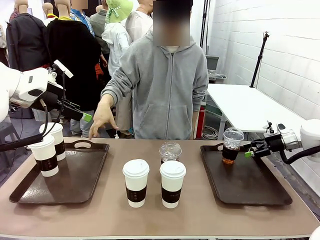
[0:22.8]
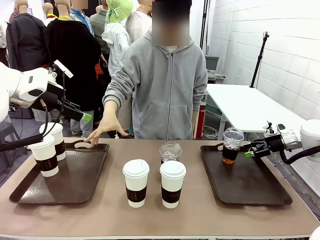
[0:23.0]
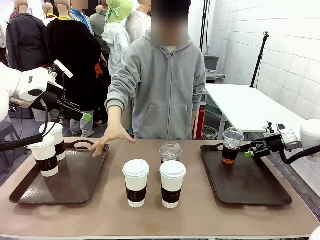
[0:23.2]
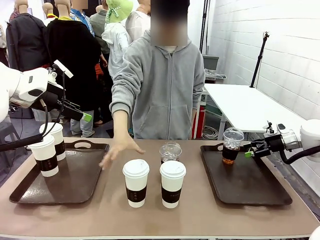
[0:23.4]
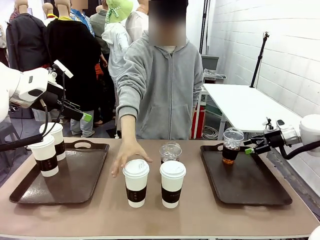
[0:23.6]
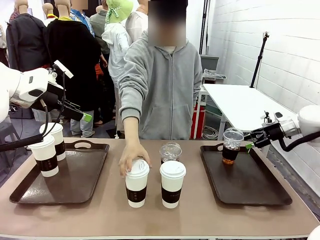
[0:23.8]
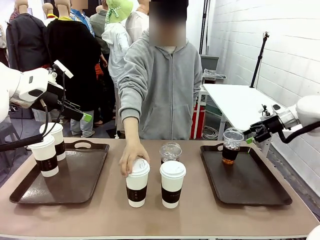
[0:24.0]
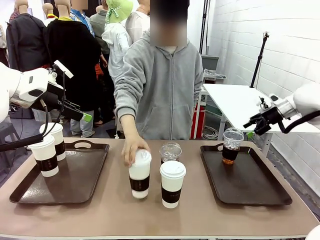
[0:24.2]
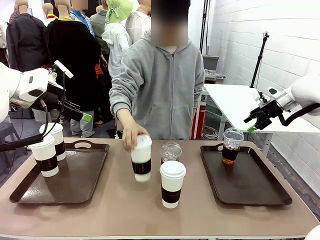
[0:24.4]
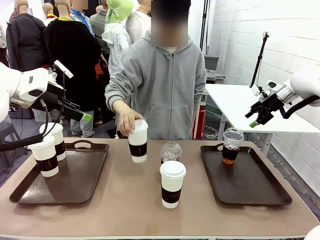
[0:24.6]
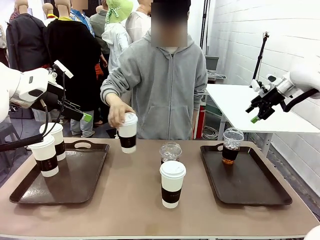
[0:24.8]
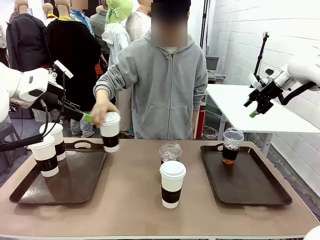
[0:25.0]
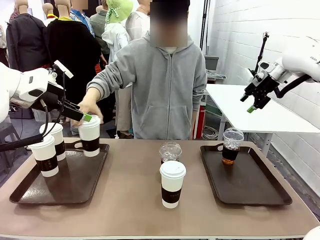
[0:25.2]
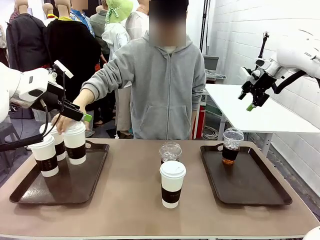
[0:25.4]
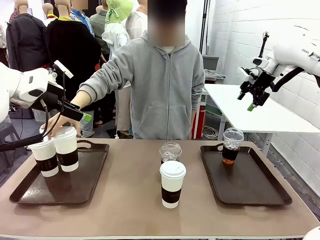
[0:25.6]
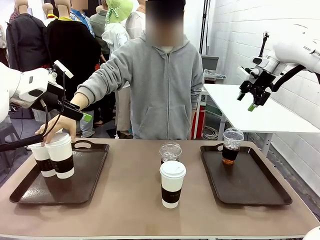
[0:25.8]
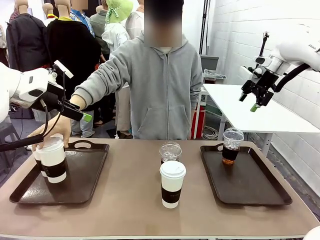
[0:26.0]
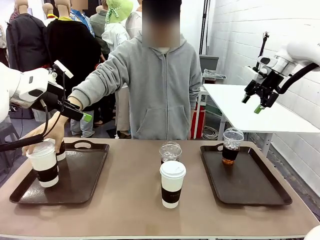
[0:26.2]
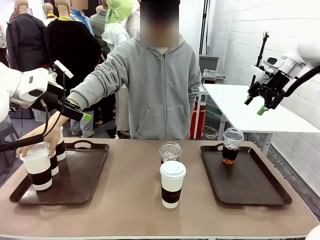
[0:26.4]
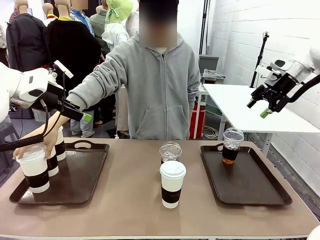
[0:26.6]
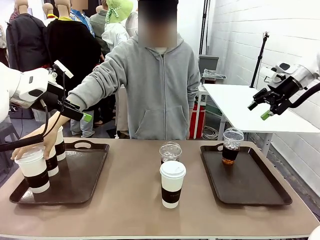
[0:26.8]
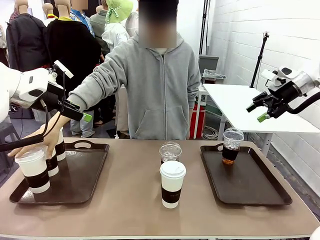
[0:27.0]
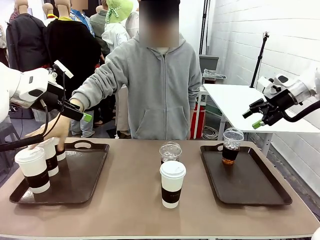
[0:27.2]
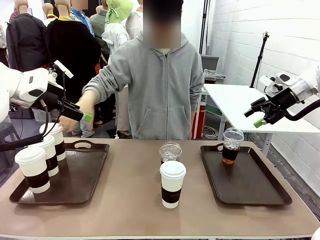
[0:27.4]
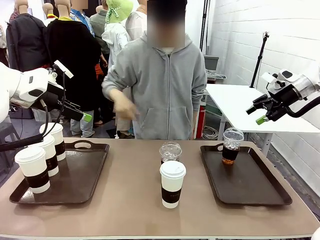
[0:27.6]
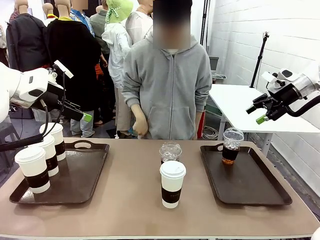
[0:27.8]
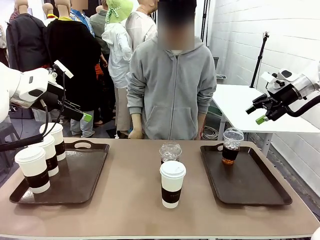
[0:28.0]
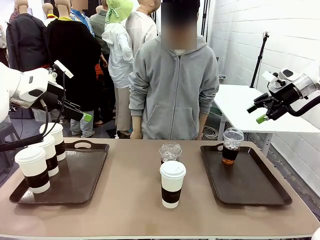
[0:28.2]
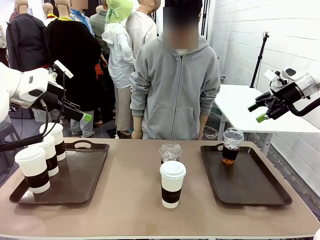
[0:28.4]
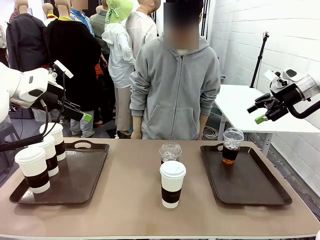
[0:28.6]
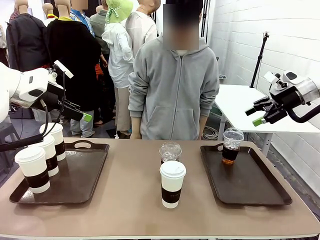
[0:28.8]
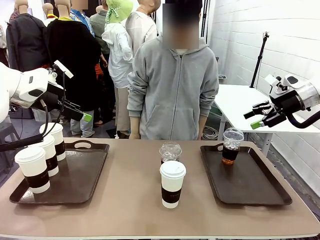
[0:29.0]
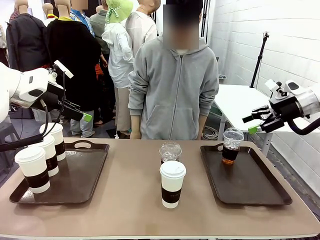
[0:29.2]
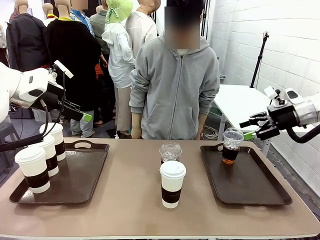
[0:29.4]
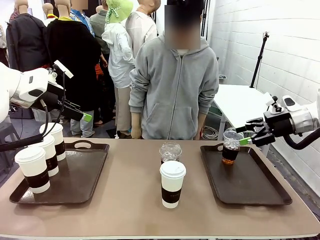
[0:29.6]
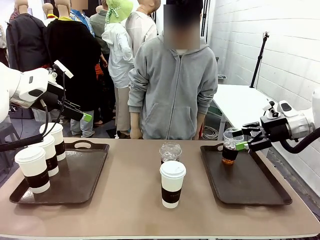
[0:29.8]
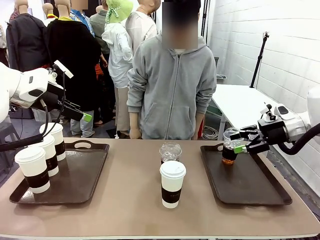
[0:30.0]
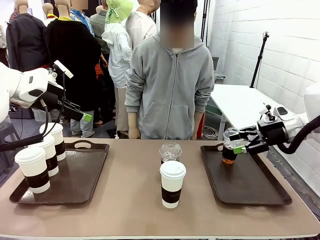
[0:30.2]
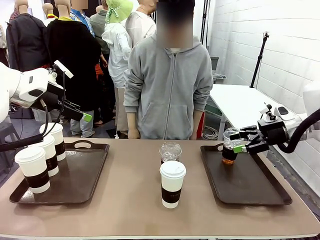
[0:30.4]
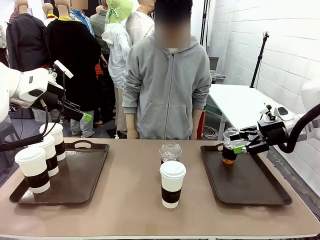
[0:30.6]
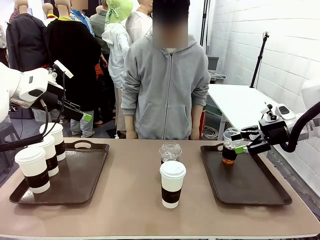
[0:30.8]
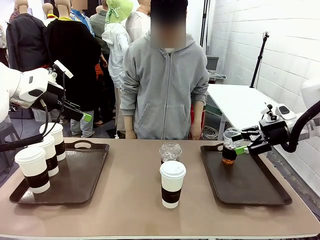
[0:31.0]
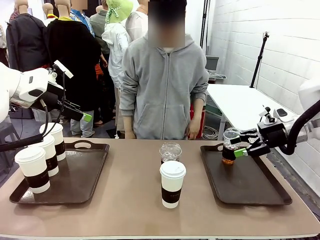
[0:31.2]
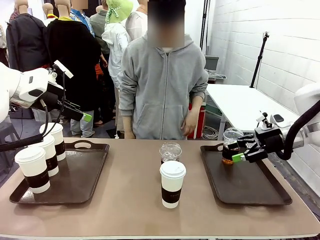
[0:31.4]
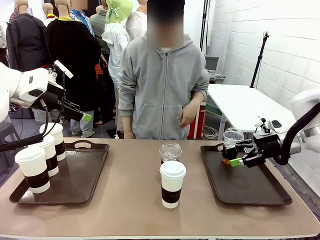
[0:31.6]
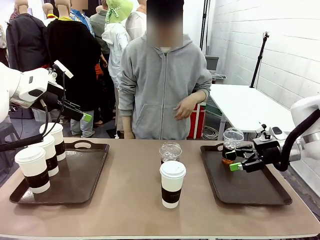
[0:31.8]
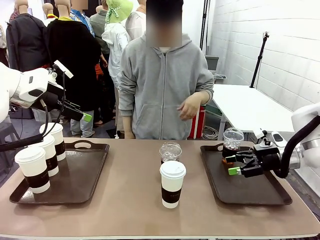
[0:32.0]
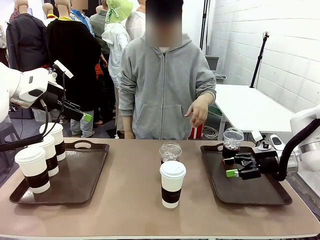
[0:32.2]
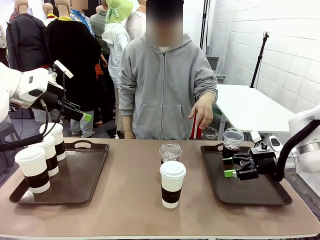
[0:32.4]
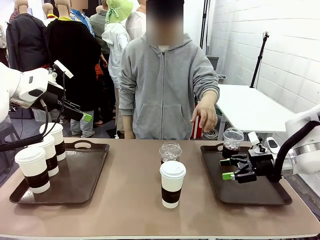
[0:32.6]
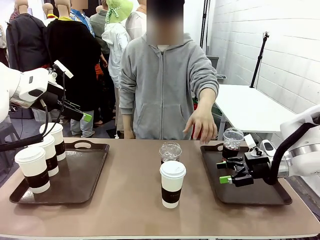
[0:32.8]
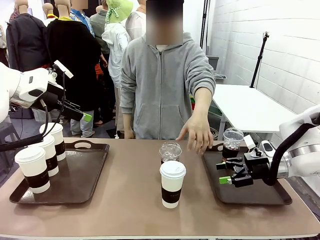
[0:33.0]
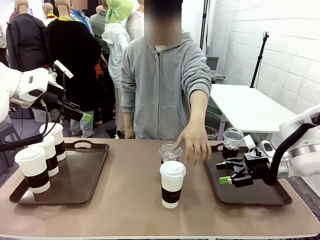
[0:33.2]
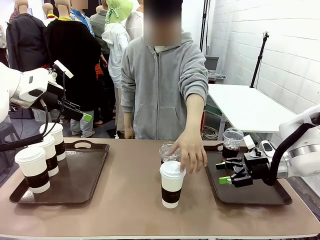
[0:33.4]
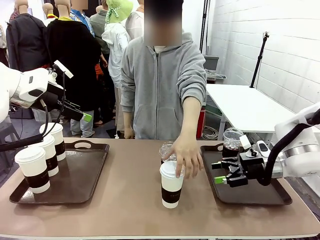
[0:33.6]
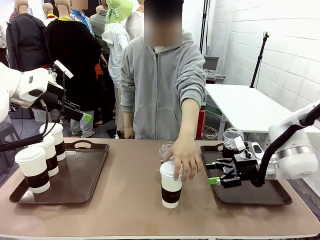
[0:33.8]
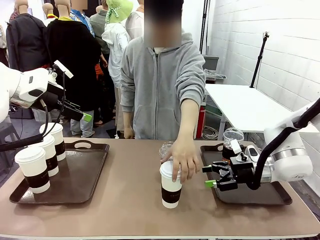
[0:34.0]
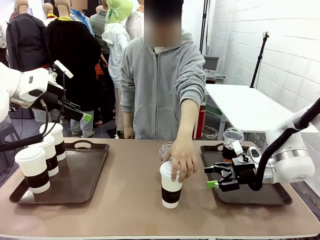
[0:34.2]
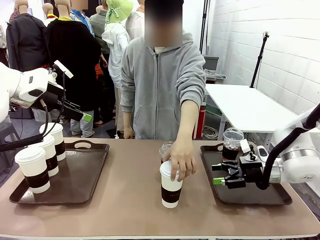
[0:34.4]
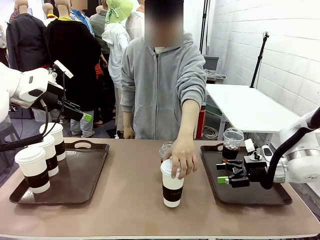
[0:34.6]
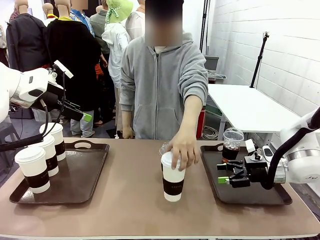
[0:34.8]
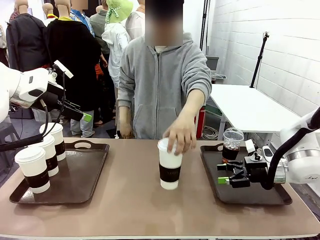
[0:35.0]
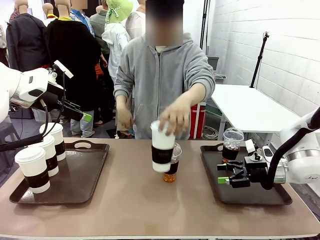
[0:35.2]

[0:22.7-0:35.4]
Task: Distribute the coffee onto the tray.
Robot: Pick up another iced Americano from the middle of the table and place it on the right Handle tray.

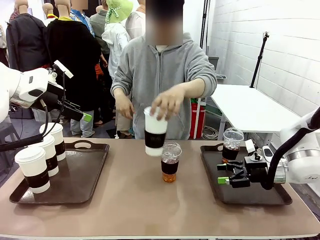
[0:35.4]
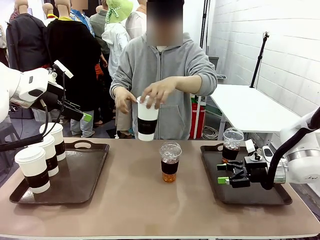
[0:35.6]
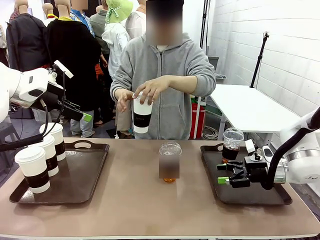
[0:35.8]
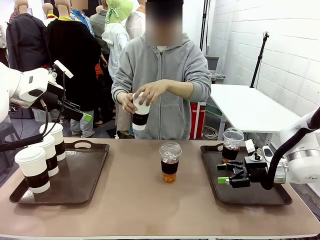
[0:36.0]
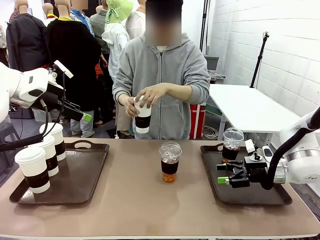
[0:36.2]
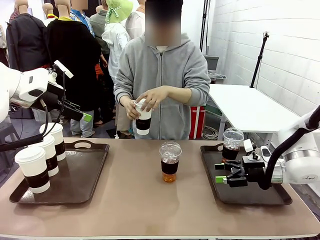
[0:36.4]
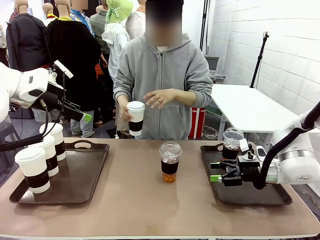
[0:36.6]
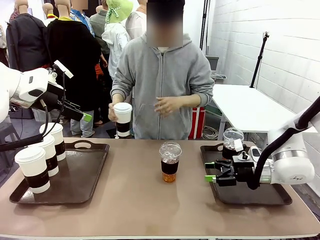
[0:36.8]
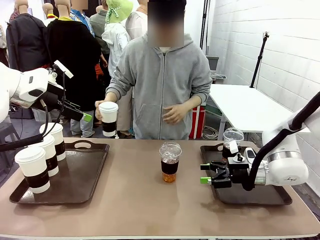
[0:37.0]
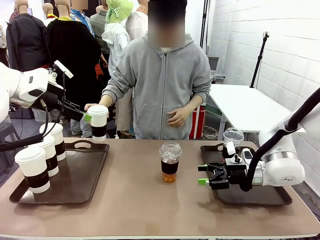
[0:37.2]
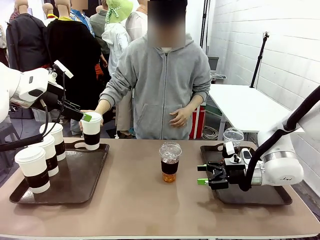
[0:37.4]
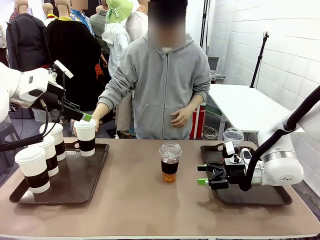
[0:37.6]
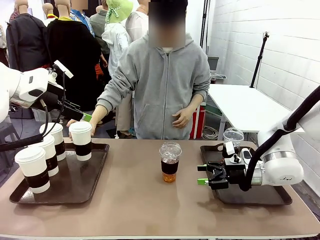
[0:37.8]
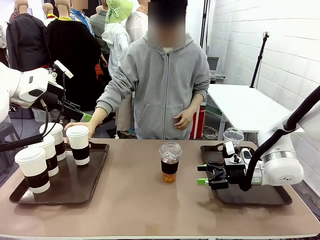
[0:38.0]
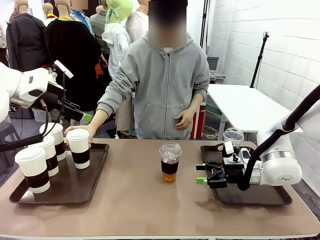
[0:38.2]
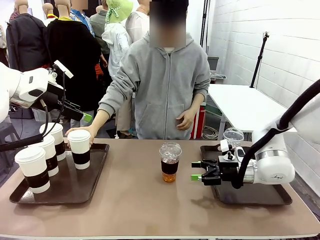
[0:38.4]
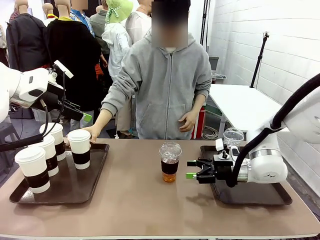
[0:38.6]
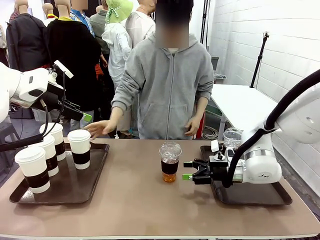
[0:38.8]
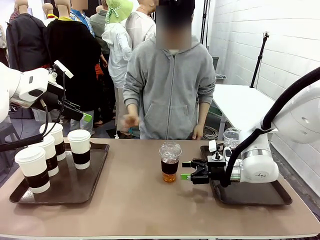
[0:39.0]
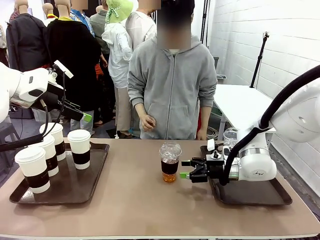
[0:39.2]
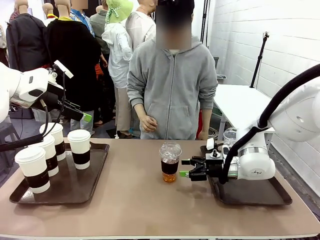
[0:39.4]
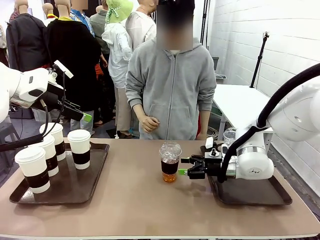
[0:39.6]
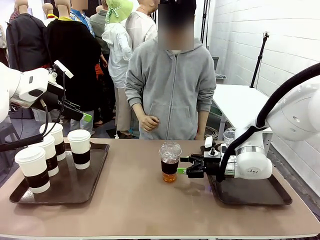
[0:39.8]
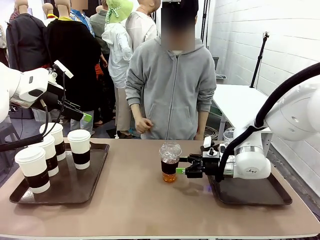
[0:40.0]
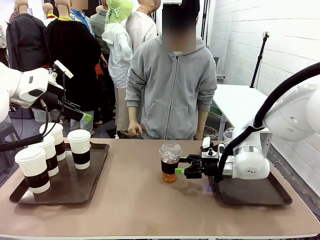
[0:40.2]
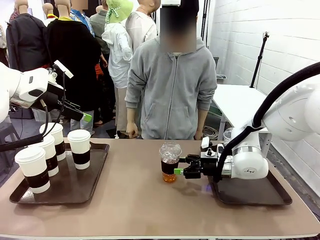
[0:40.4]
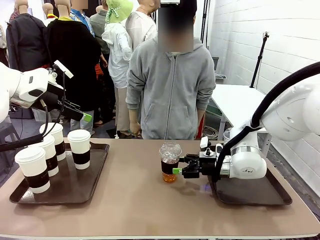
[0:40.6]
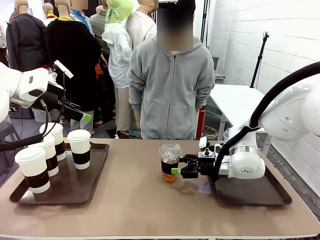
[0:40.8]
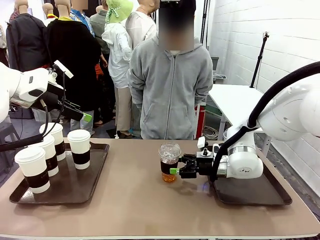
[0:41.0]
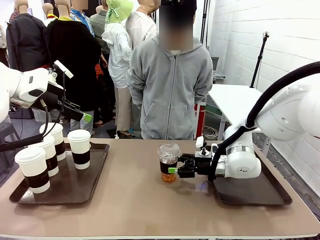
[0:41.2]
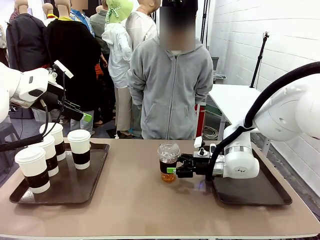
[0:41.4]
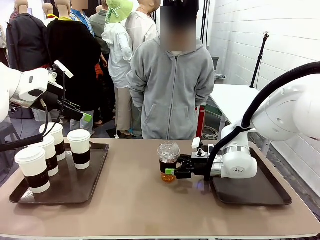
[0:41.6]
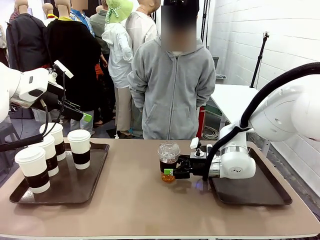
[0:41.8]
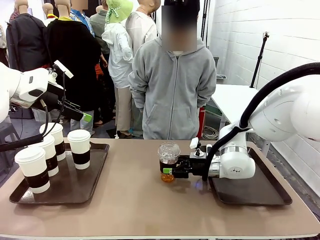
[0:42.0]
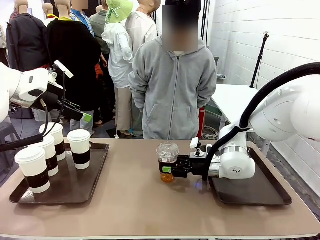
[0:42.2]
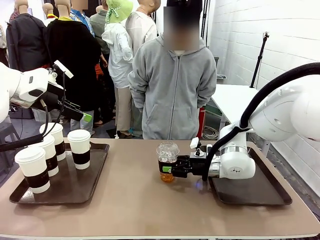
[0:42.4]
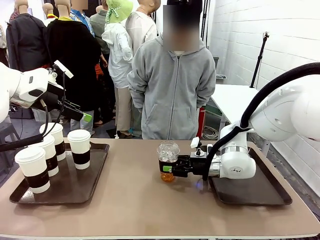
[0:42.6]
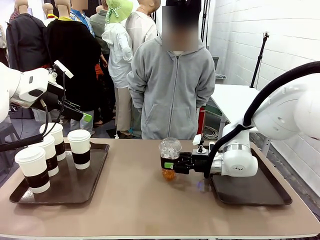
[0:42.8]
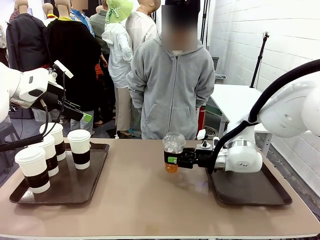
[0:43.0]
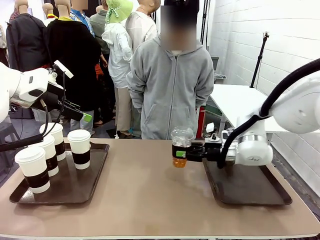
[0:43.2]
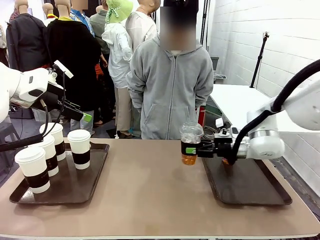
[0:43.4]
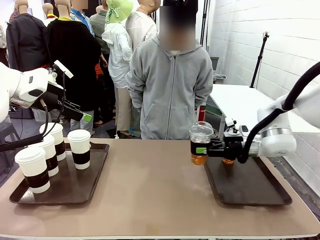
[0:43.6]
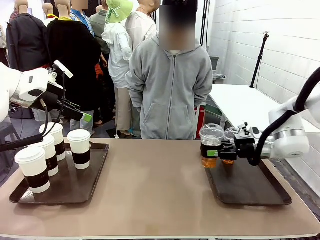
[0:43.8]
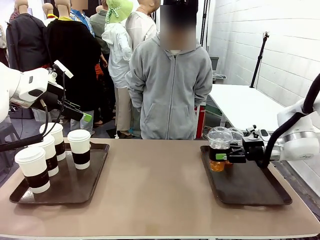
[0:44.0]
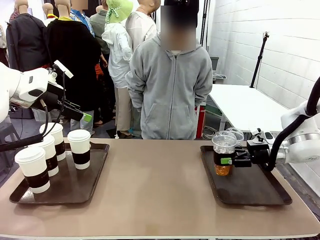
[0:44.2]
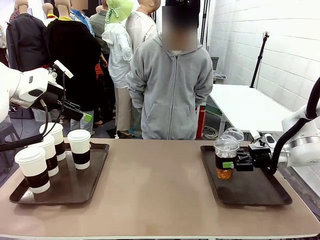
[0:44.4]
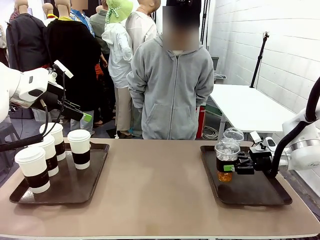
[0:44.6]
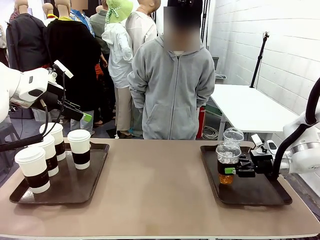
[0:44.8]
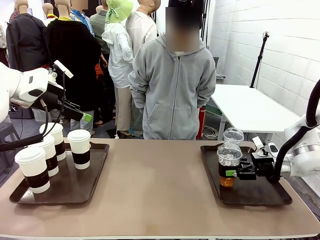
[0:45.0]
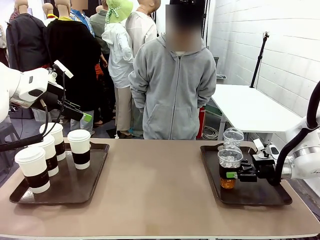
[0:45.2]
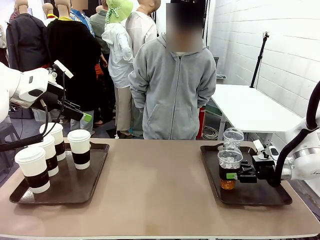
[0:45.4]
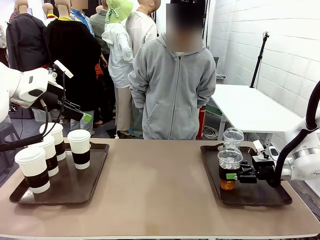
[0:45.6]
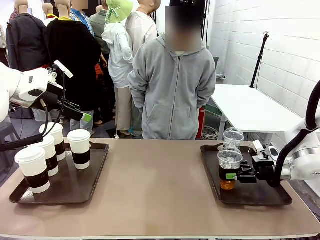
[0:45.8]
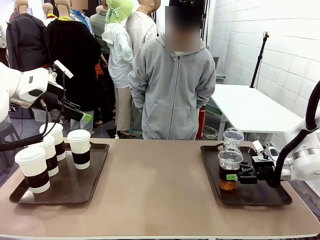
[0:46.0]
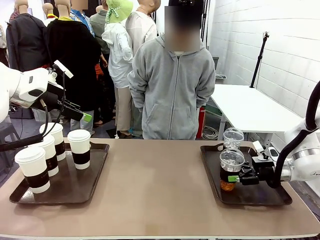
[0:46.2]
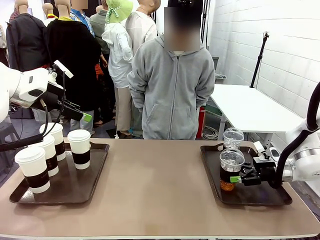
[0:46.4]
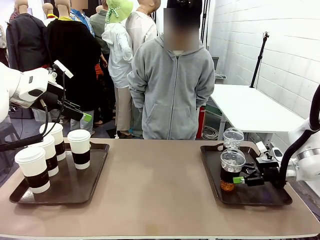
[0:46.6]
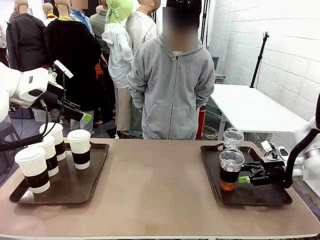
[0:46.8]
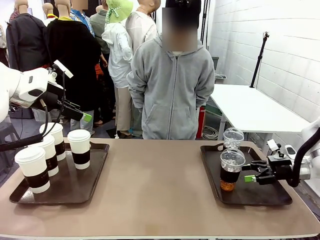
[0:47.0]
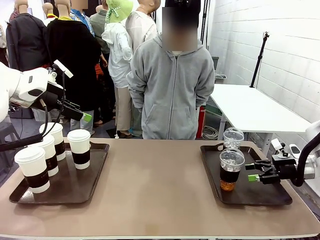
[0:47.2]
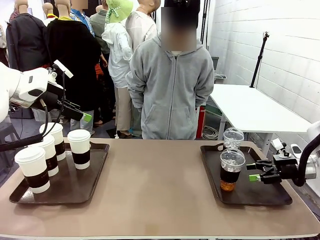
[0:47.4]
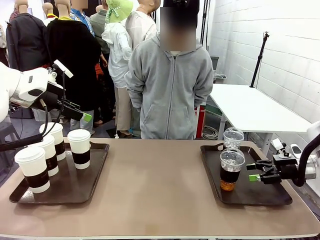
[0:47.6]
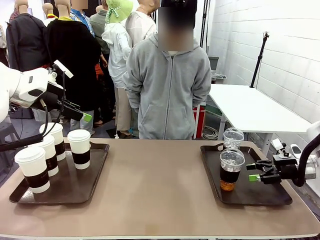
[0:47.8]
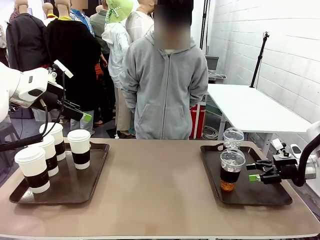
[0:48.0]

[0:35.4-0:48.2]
Robot: Pick up another iced Americano from the middle of the table and place it on the right Handle tray.
